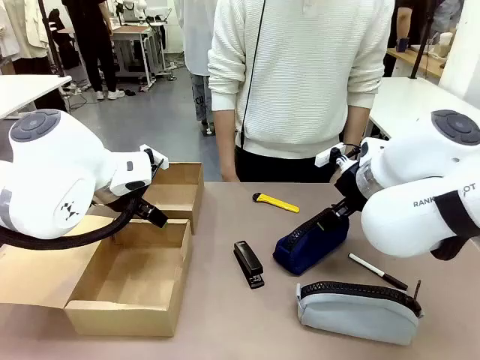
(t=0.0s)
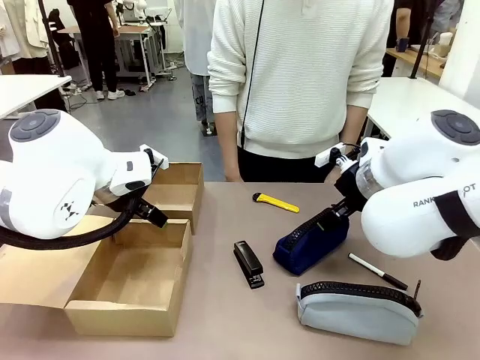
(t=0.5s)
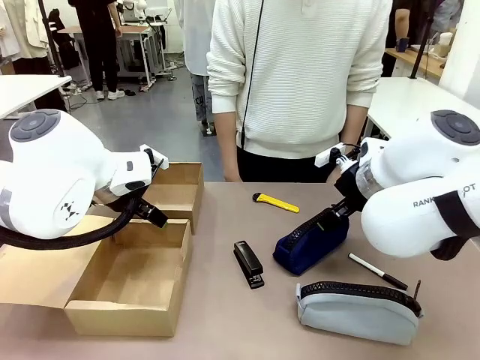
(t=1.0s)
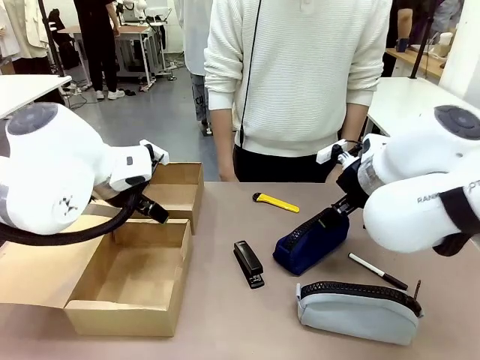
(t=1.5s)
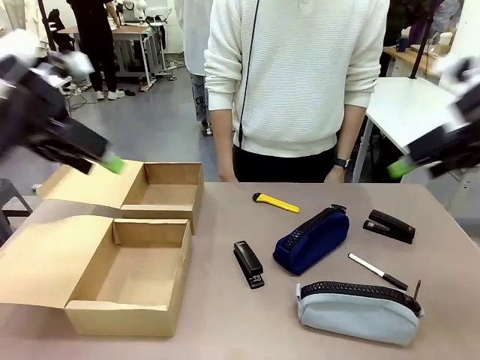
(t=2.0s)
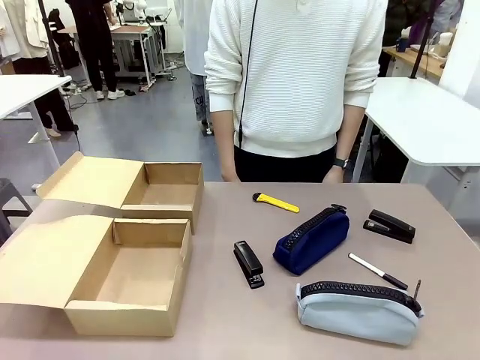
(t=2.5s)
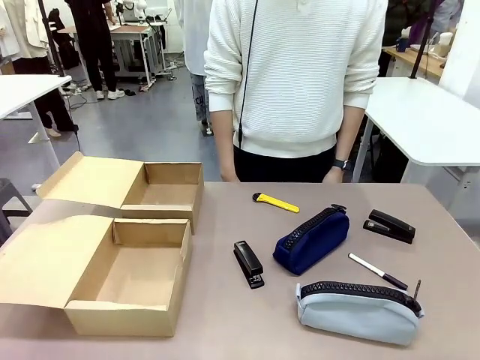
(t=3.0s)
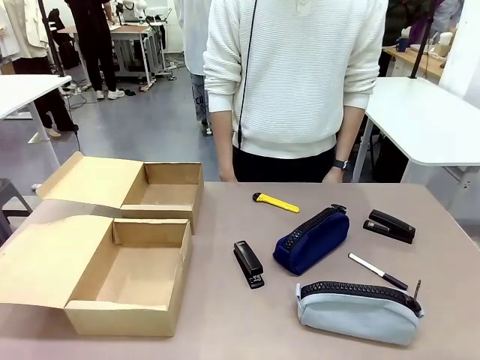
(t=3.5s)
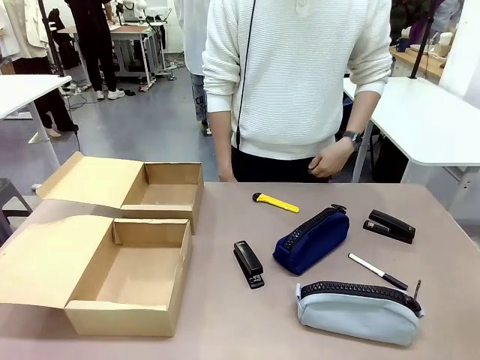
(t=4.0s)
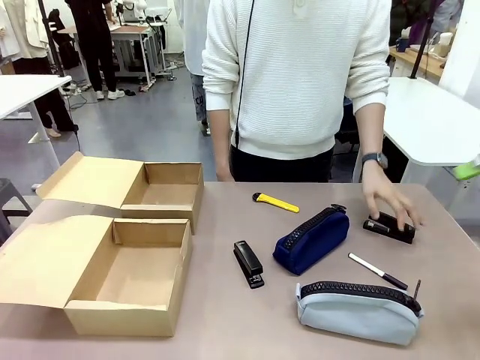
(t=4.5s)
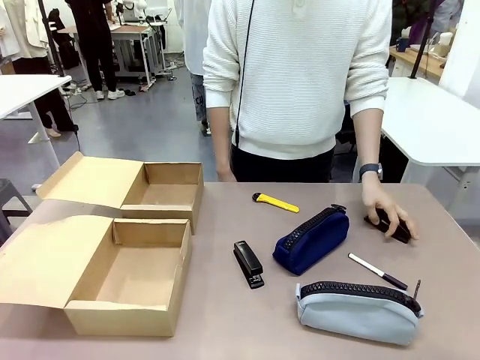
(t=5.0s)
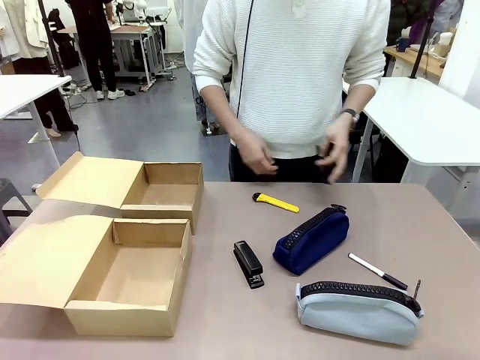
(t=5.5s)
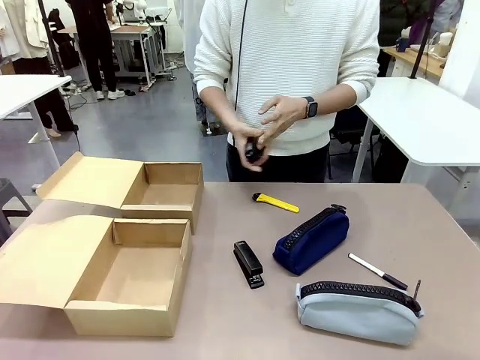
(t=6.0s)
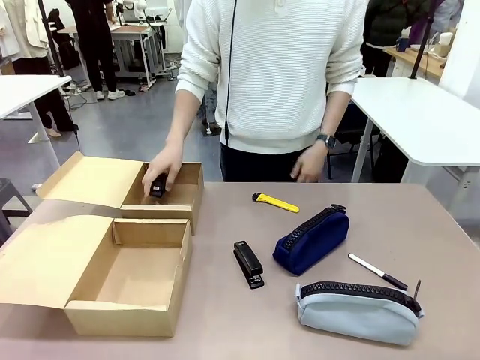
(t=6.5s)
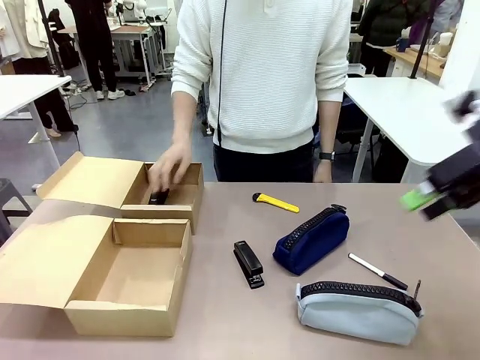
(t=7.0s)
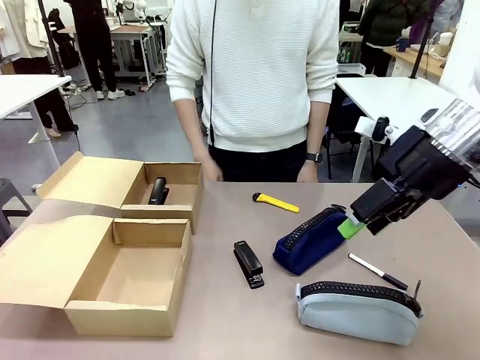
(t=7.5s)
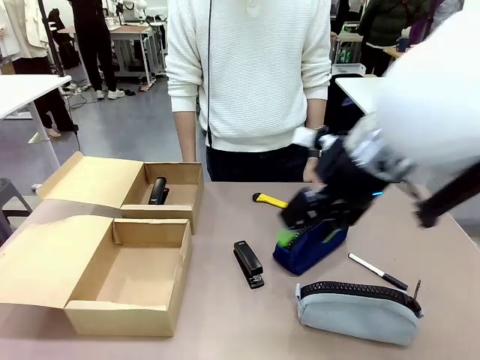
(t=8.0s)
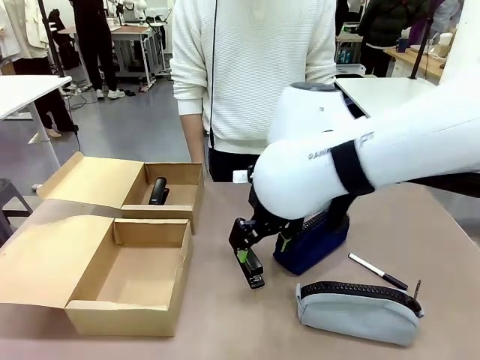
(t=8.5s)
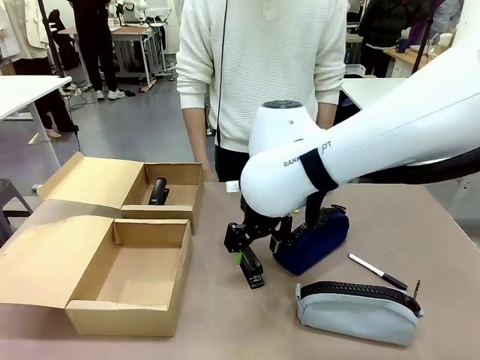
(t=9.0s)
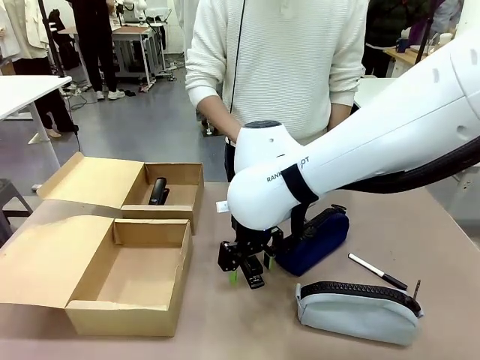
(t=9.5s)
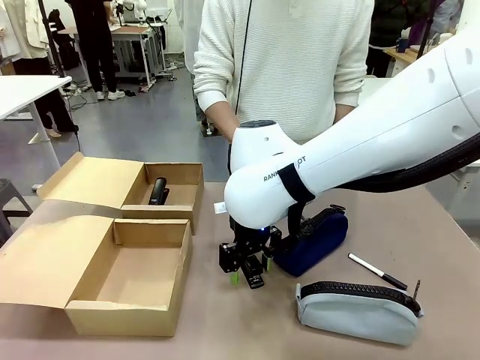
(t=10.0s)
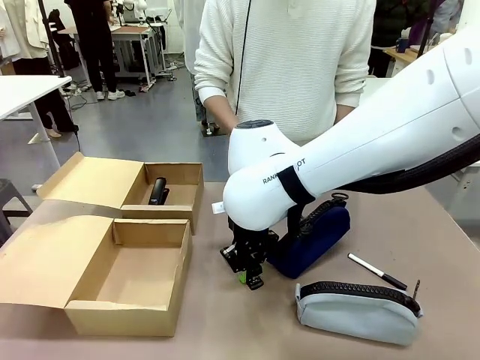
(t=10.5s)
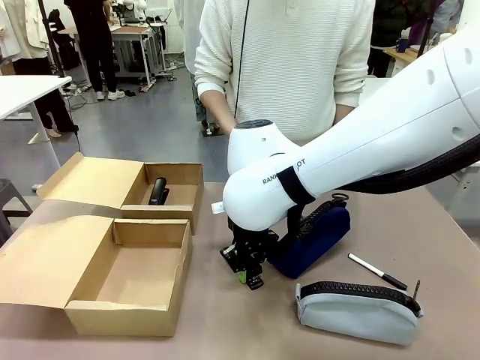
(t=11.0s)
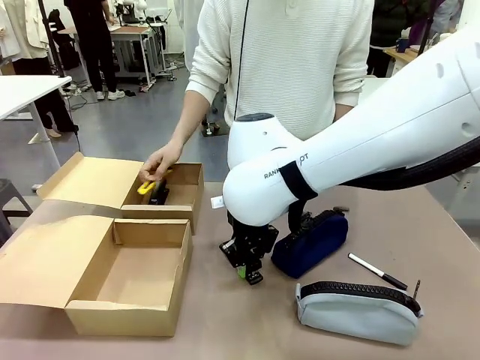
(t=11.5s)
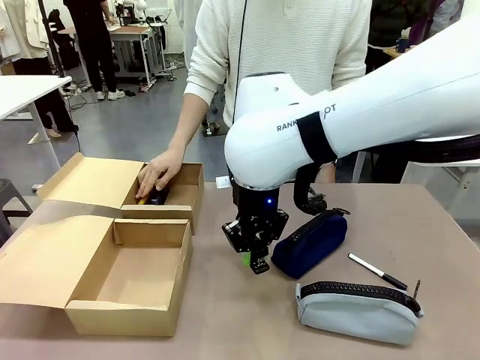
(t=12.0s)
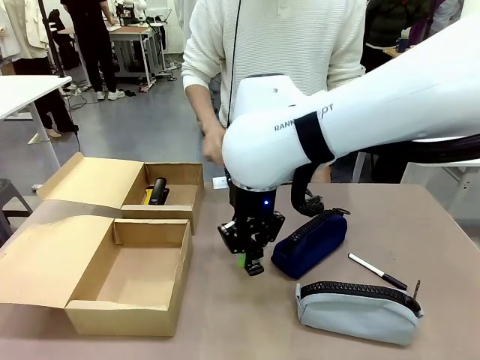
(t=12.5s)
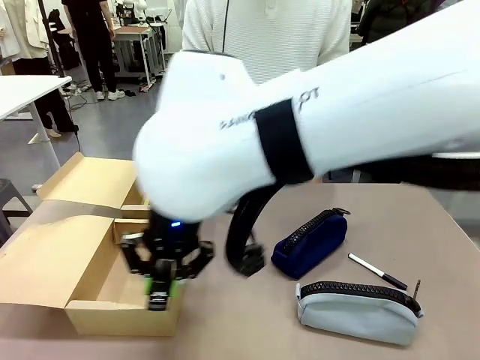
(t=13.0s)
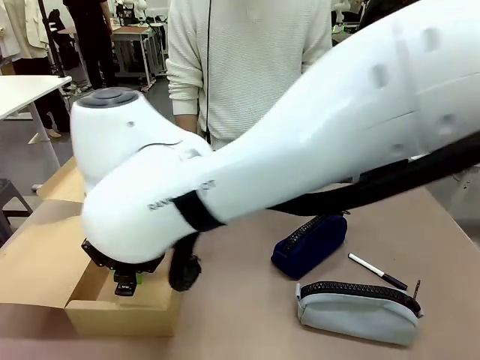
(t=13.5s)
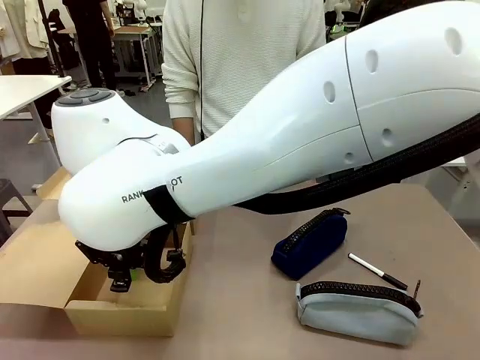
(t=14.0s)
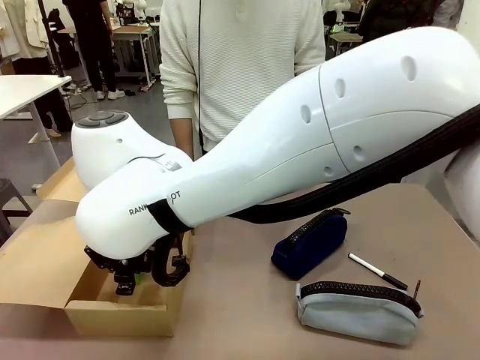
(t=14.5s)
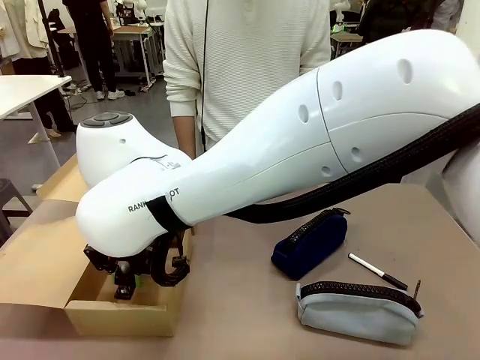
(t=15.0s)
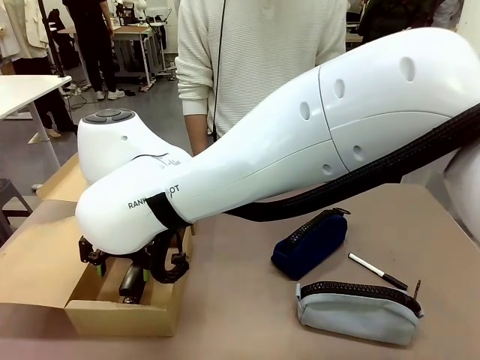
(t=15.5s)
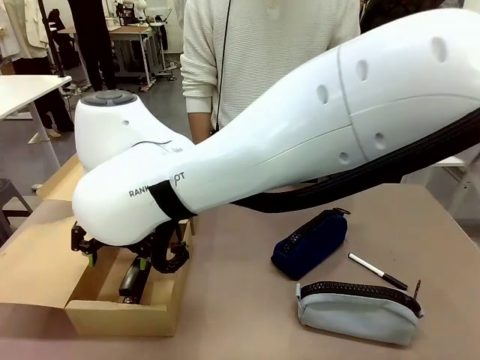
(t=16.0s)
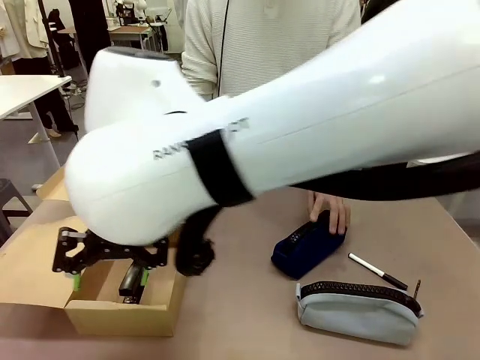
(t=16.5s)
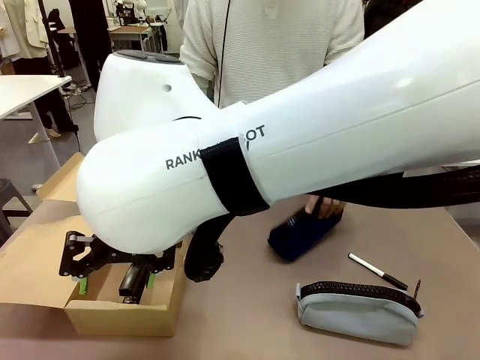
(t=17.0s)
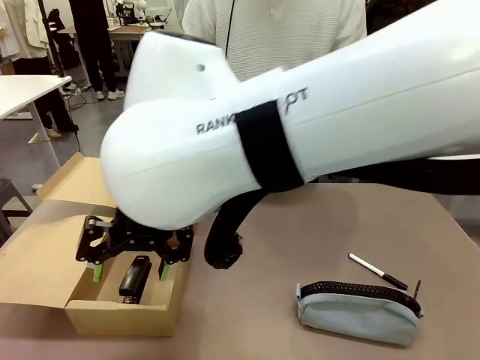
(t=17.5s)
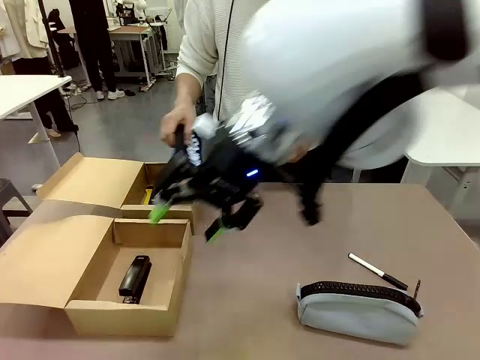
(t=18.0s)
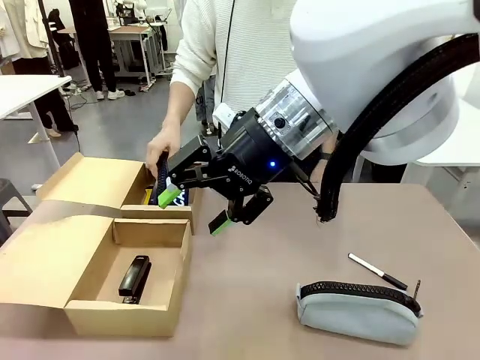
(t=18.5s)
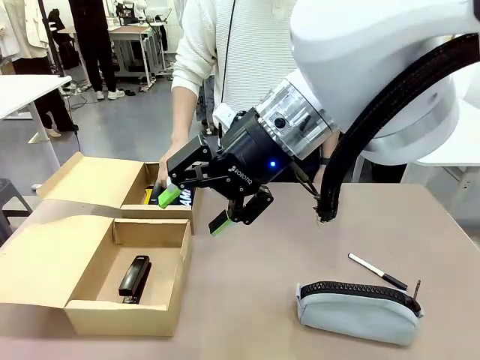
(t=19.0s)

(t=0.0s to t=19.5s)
Task: Place items inside the box.
Robot: Pick up a Pencil pouch or Stapler and place it inside the Mailer Box closest to the robot.
Person: Pick up an object on the table and put it in the box.
